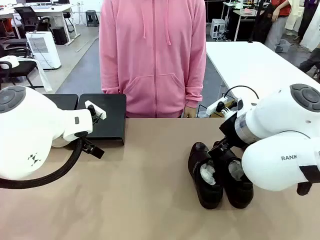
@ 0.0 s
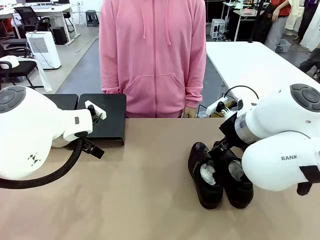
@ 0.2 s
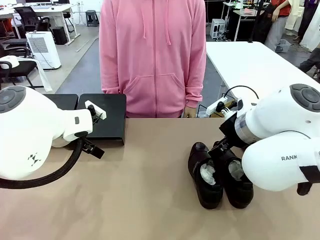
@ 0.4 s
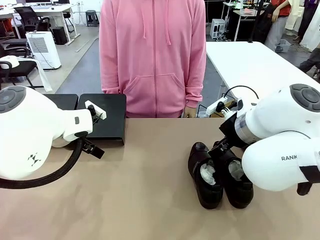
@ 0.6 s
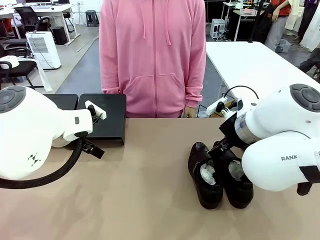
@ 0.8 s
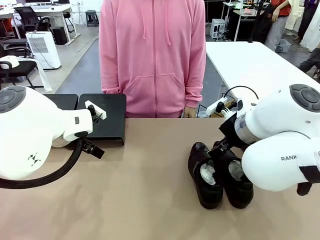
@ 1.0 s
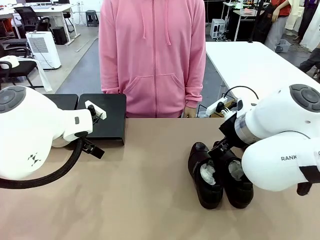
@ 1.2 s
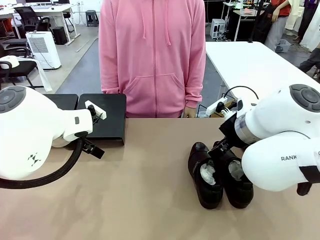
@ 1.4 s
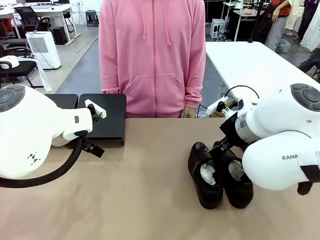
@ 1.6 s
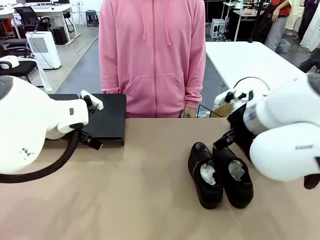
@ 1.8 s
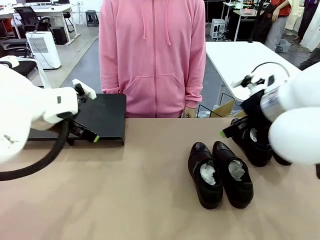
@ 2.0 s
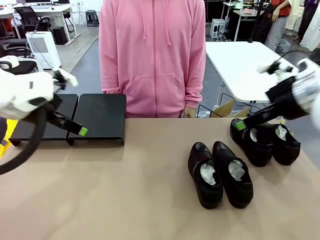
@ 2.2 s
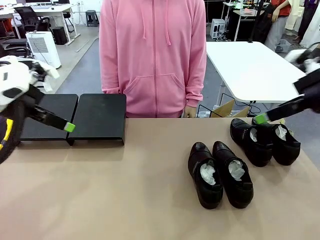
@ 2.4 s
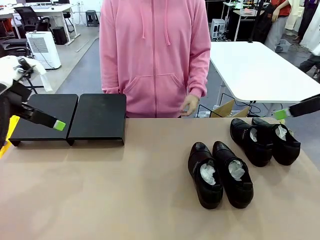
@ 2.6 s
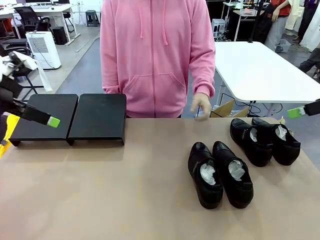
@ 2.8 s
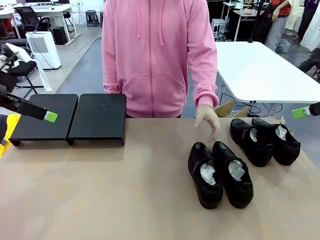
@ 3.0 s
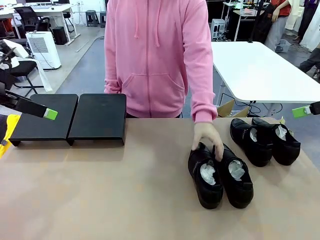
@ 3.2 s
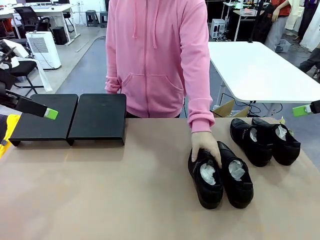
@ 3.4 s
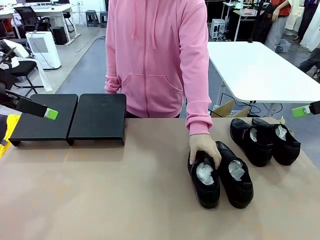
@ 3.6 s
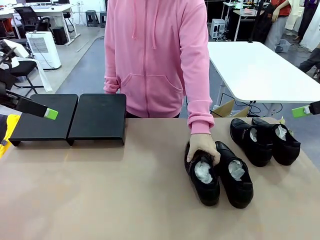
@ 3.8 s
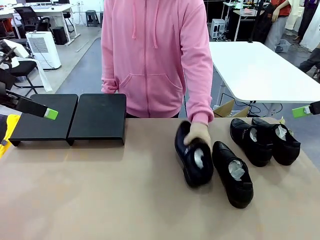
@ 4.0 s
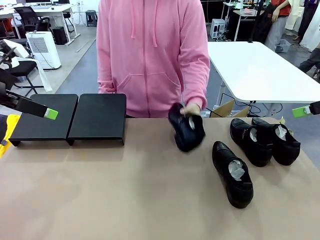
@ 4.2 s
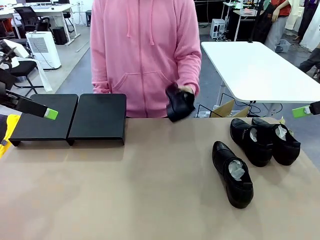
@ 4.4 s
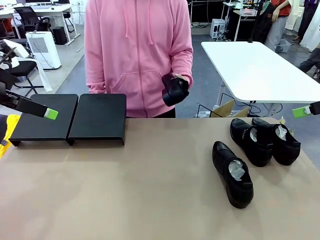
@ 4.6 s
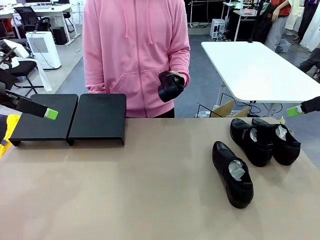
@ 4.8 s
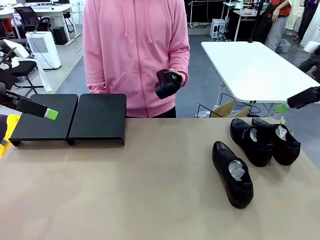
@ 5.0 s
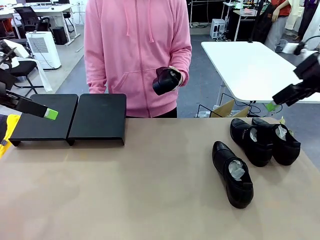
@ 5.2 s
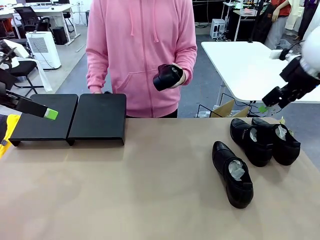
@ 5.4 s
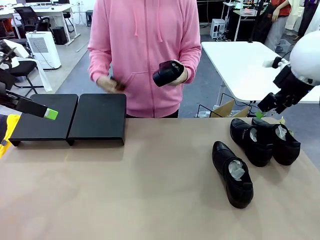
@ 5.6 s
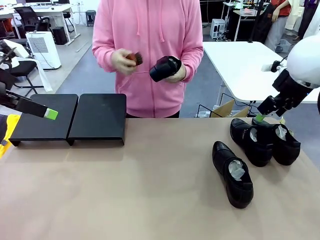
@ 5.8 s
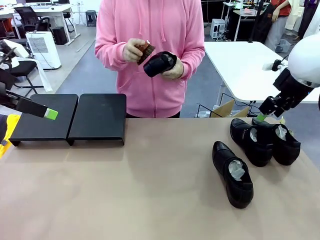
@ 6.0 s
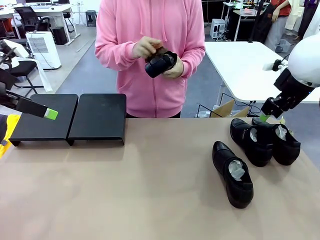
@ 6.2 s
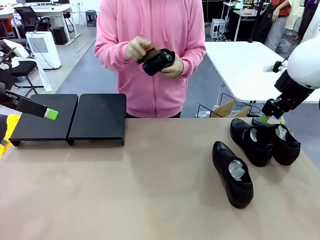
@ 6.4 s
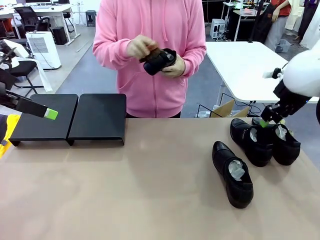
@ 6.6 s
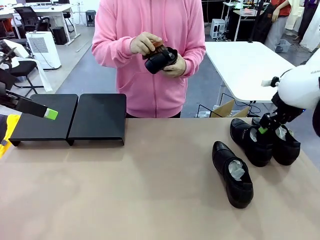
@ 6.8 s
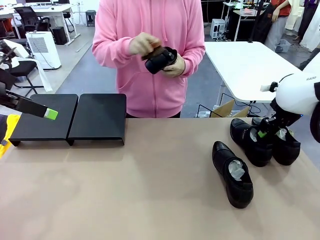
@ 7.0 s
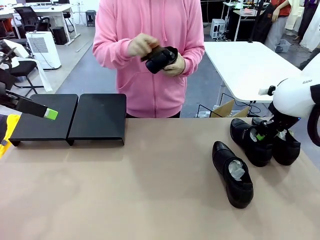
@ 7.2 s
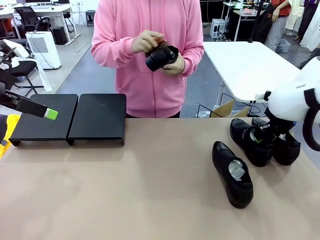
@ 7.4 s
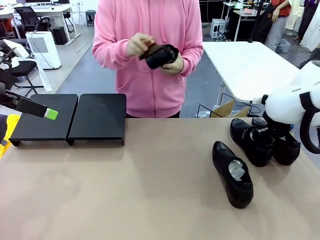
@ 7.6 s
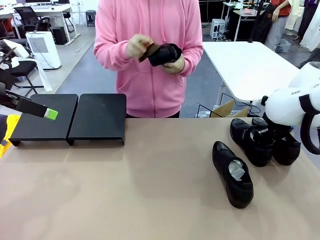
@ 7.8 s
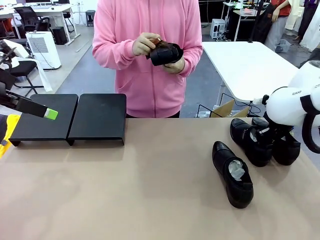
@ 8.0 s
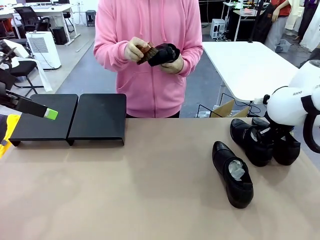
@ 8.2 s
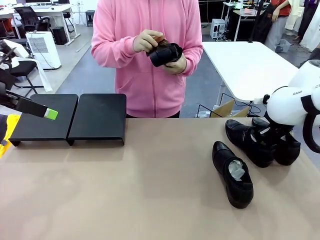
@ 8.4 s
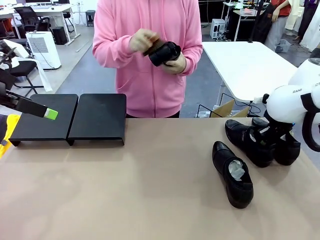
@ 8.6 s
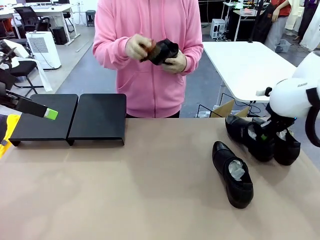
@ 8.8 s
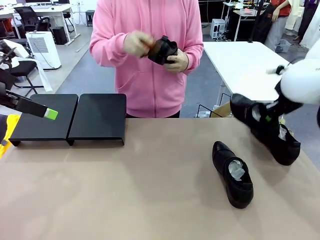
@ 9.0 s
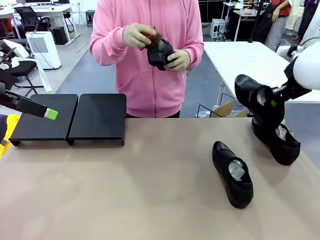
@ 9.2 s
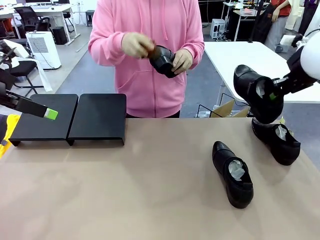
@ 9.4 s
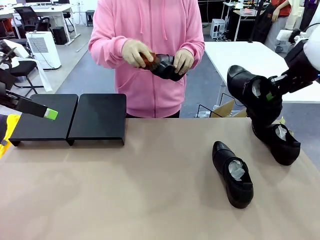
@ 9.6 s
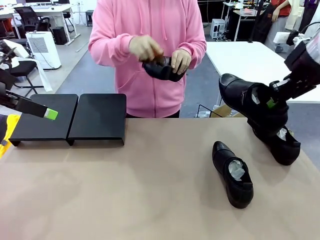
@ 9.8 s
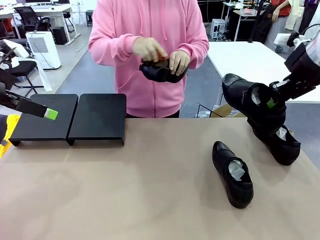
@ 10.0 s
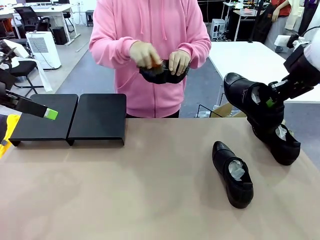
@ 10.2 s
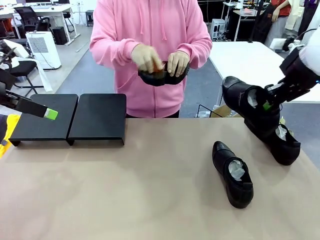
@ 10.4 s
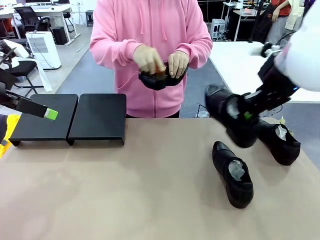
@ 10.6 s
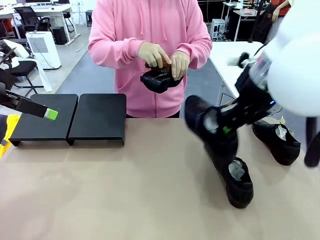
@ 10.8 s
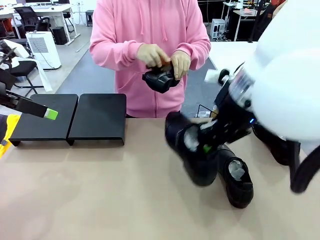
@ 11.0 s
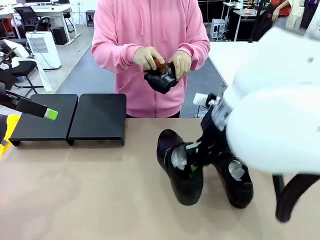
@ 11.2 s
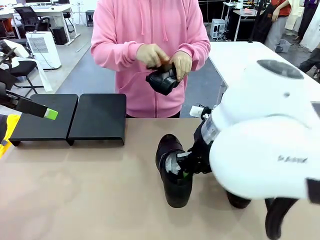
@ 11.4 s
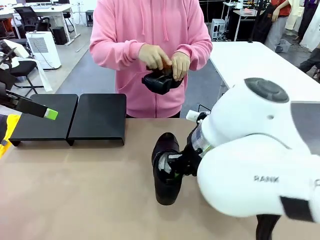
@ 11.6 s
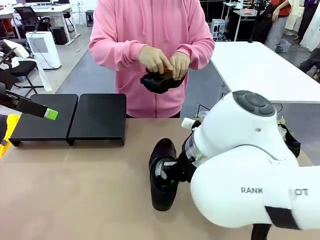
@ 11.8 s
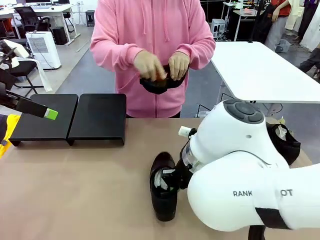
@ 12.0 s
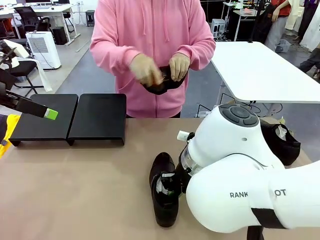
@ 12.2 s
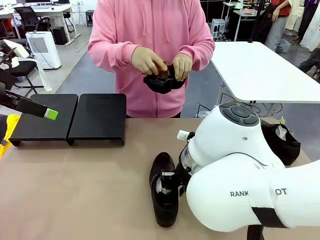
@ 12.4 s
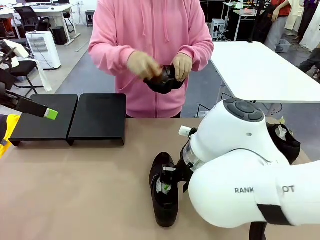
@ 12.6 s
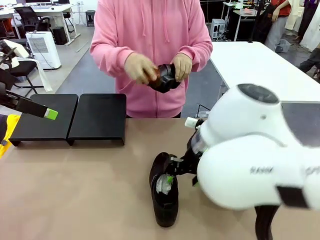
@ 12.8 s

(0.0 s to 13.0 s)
Task: Organize the shoes by placing them on the stand.
Robot: Pick up one Shoe and place it in the middle of the table.
Person: Pick one Shoe on Robot's table. Clean the Shoe with the Shoe Brush.

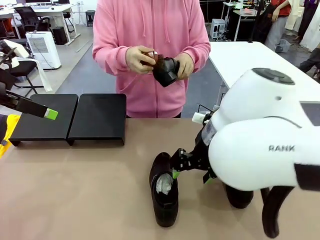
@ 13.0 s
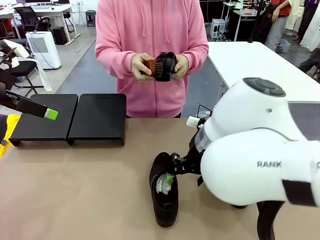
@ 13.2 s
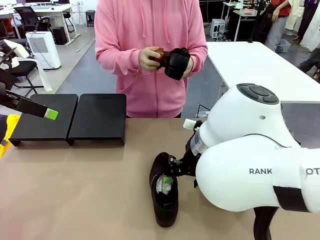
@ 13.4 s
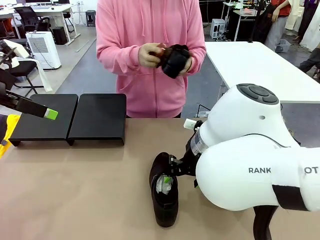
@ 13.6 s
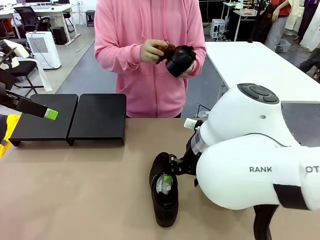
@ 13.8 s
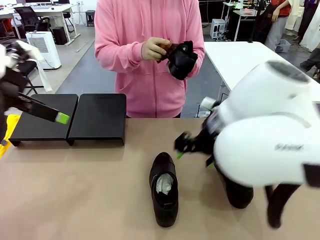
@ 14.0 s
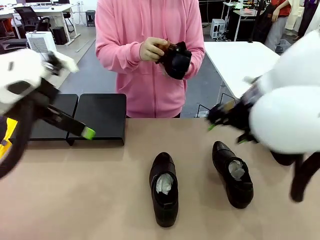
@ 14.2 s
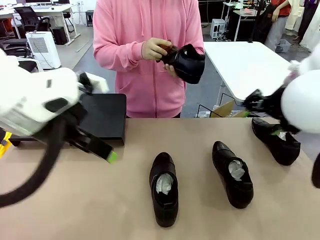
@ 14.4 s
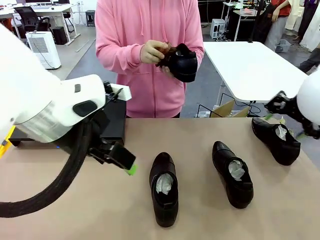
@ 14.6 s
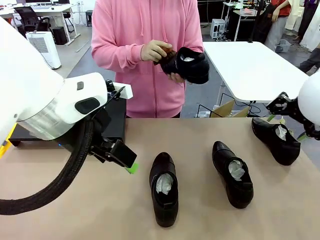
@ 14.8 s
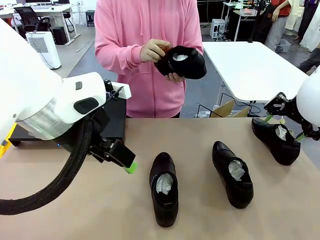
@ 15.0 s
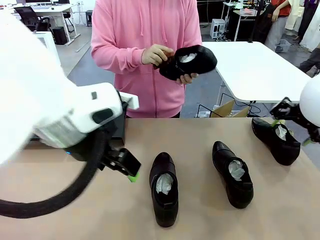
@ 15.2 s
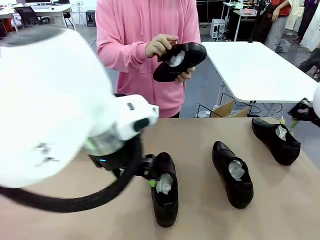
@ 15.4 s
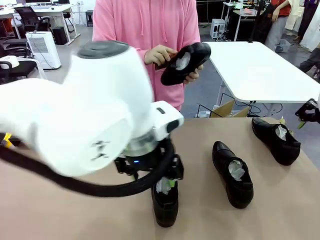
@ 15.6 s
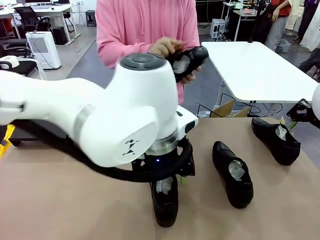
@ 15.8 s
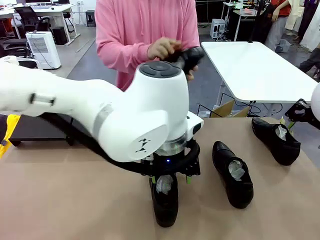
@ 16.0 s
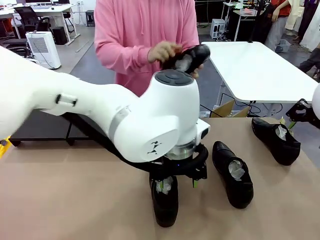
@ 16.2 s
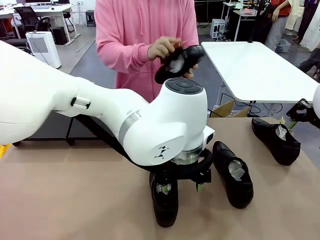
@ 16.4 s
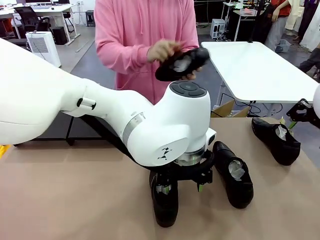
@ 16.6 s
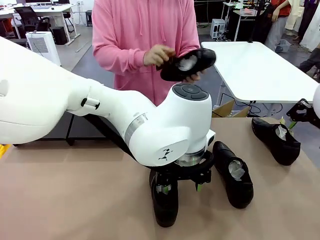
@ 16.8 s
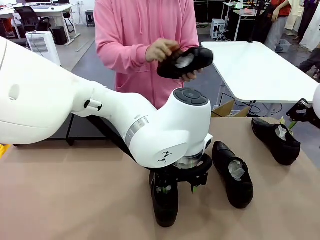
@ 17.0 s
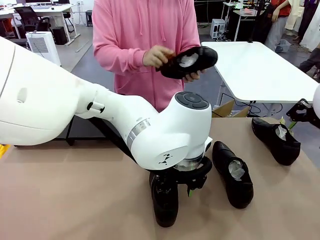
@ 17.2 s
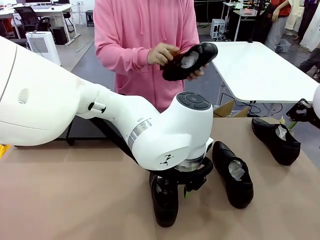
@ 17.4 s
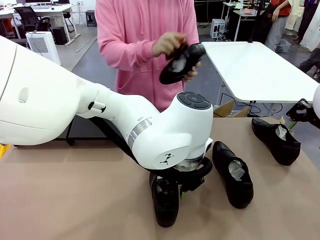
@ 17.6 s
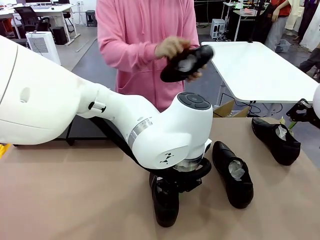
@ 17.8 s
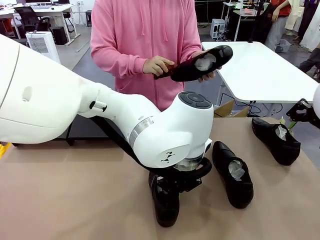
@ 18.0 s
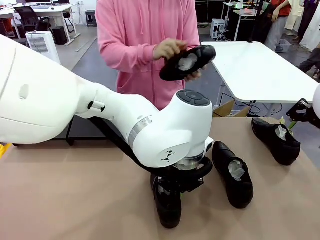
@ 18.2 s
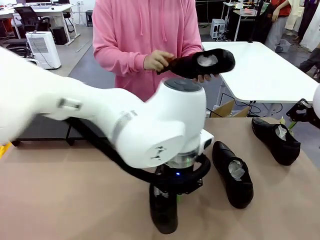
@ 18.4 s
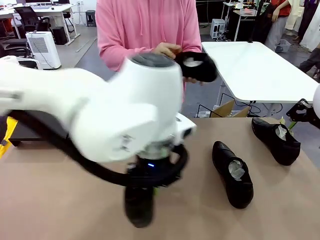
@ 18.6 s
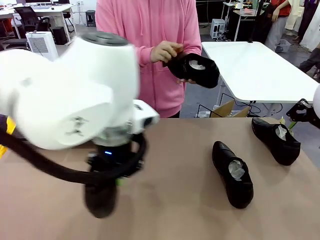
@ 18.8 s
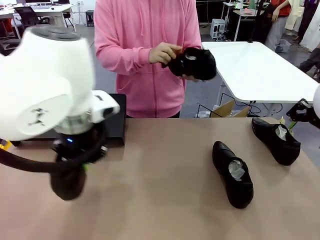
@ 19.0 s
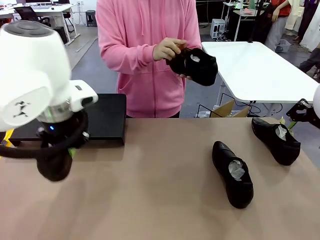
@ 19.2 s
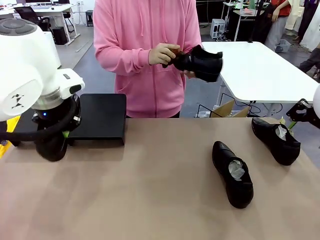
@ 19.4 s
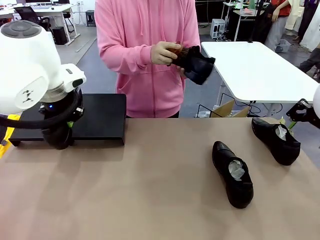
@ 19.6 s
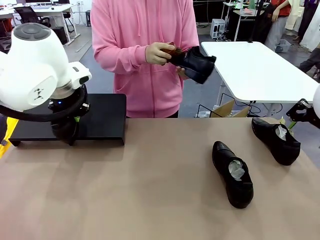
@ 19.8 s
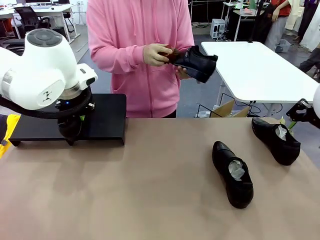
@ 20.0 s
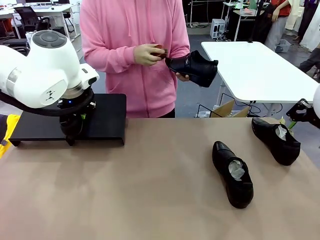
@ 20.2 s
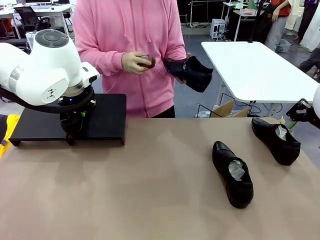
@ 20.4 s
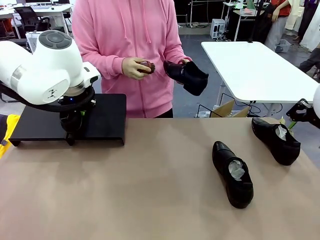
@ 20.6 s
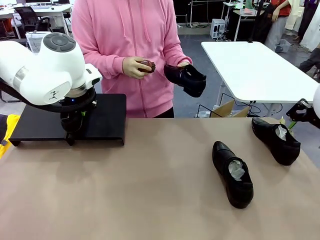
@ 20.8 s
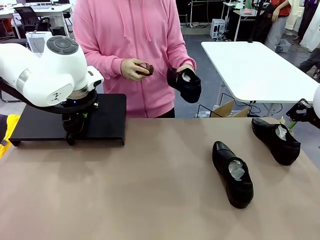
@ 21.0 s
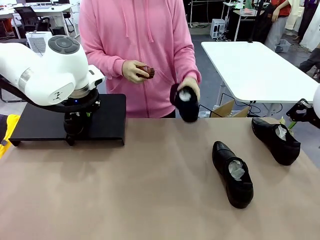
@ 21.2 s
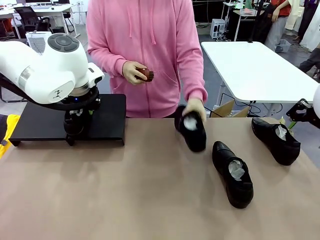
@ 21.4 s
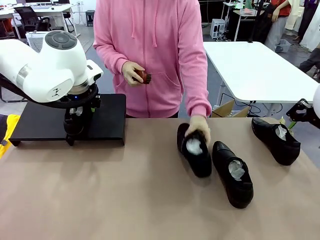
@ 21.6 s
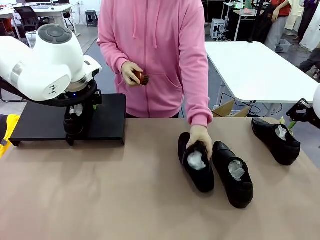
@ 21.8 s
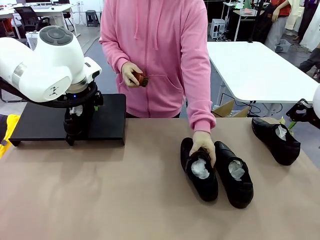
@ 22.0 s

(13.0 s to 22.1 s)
Robot: Place the Shoe from the middle of the table onto the Shoes Stand.
